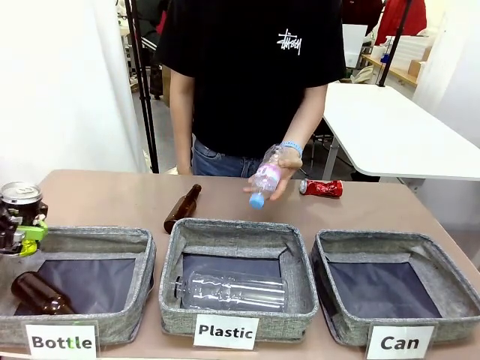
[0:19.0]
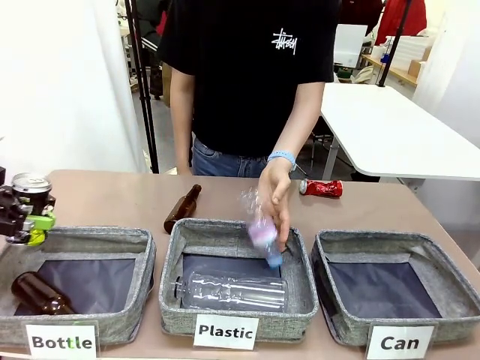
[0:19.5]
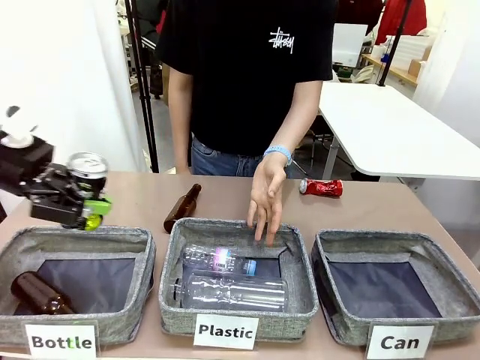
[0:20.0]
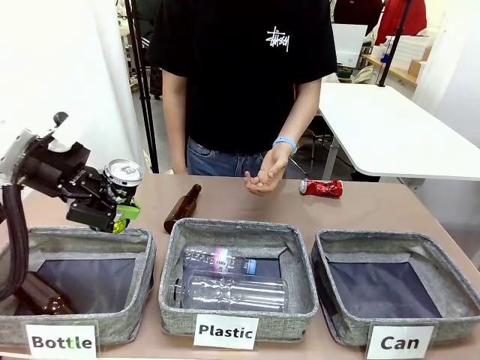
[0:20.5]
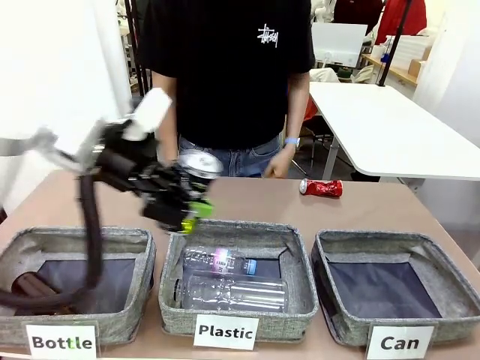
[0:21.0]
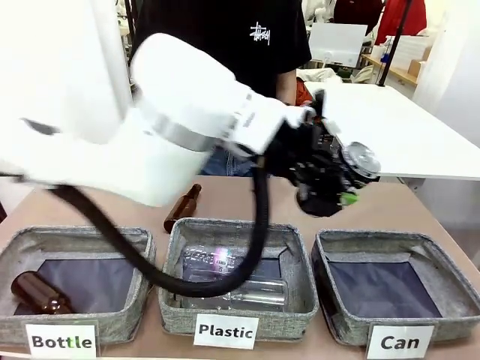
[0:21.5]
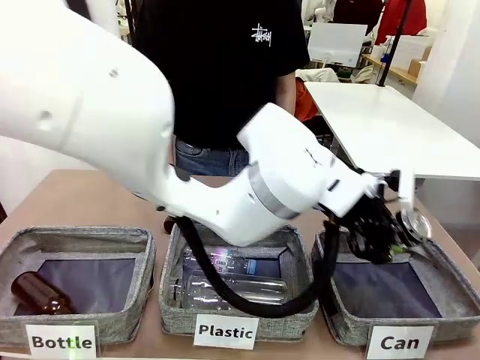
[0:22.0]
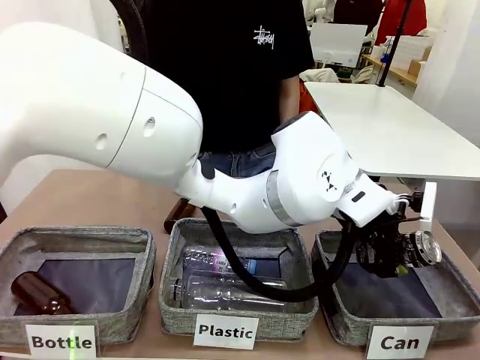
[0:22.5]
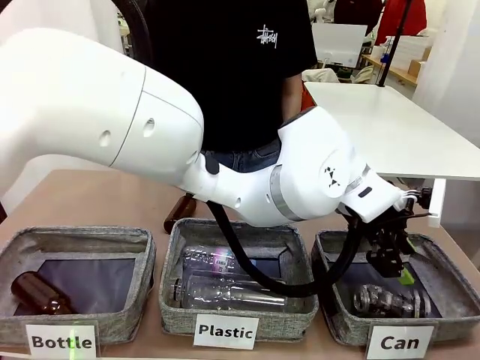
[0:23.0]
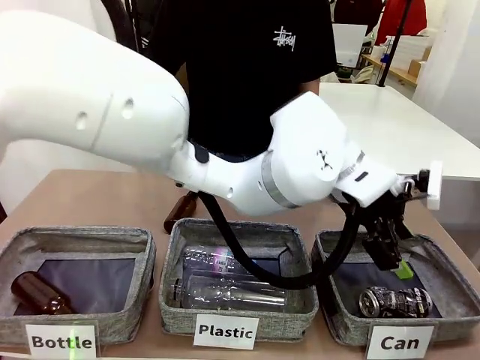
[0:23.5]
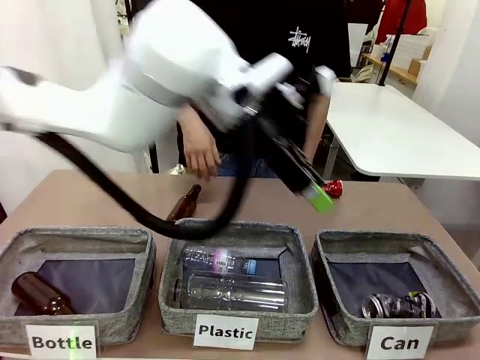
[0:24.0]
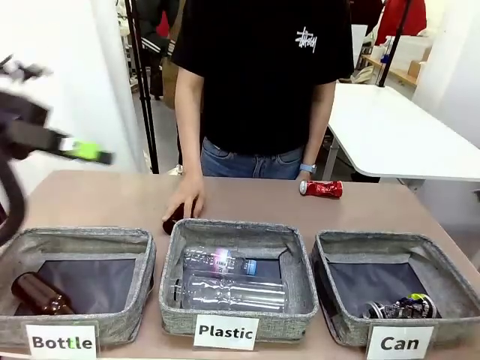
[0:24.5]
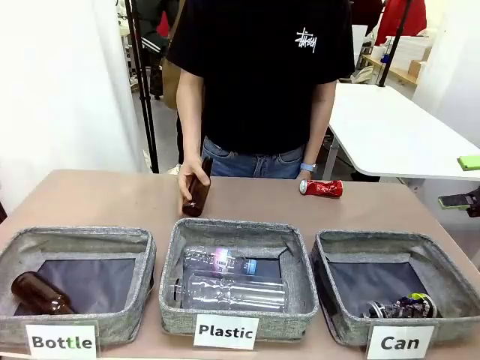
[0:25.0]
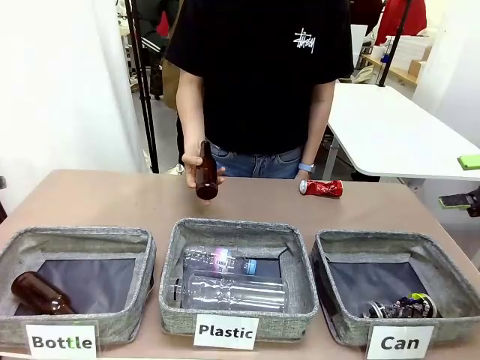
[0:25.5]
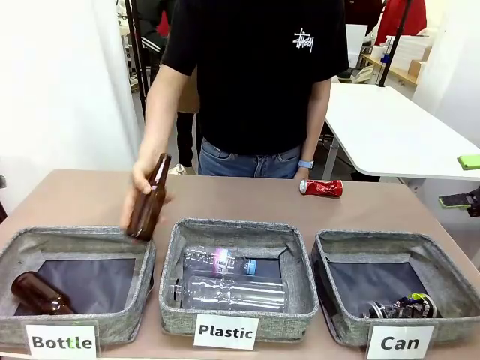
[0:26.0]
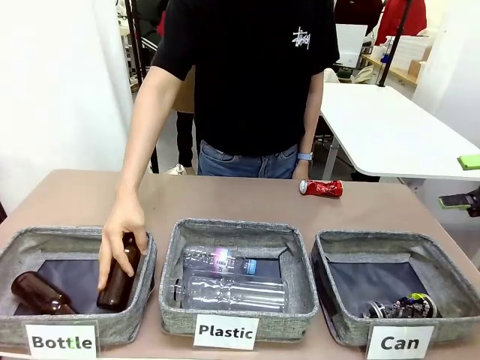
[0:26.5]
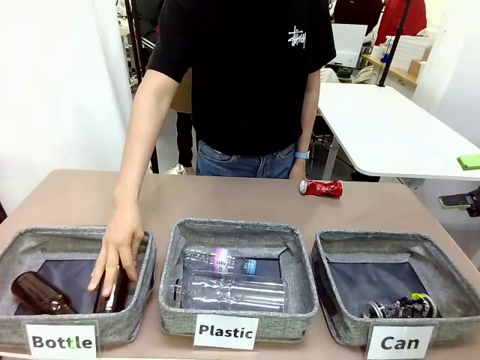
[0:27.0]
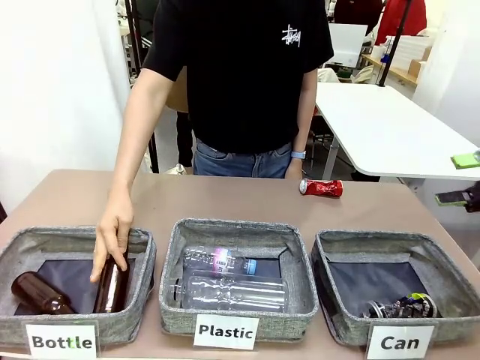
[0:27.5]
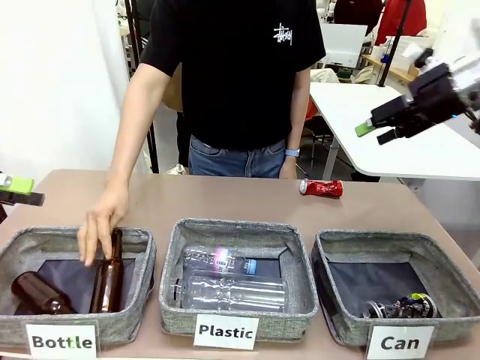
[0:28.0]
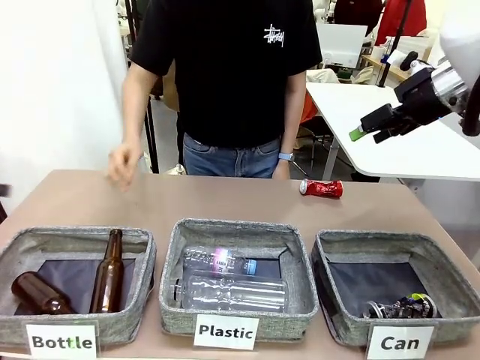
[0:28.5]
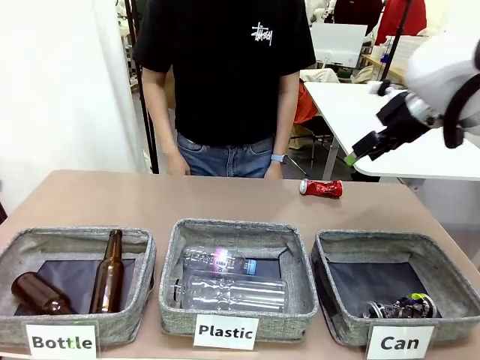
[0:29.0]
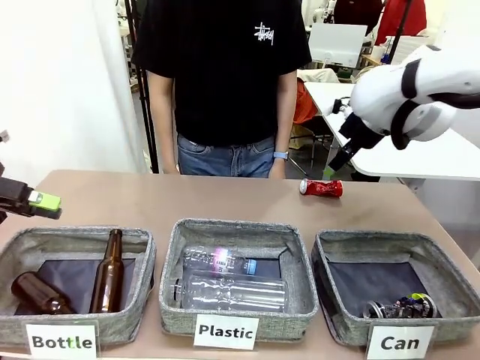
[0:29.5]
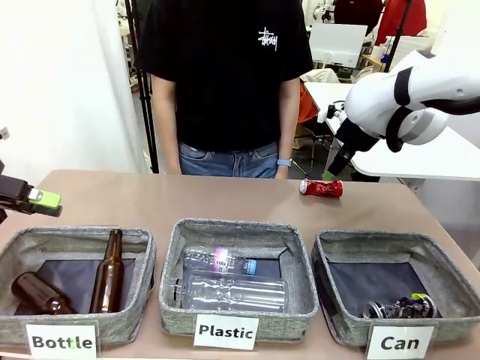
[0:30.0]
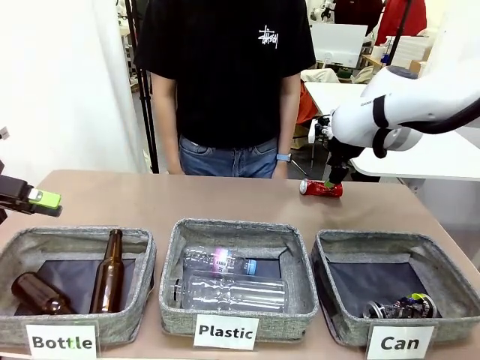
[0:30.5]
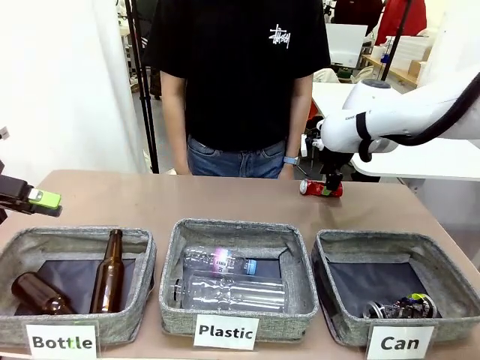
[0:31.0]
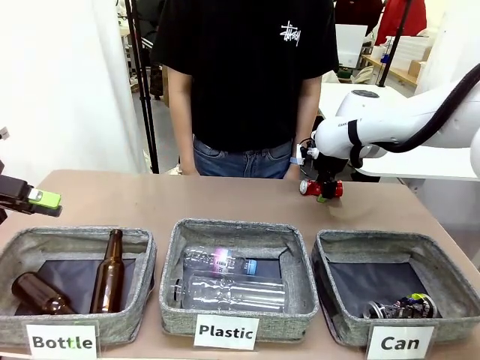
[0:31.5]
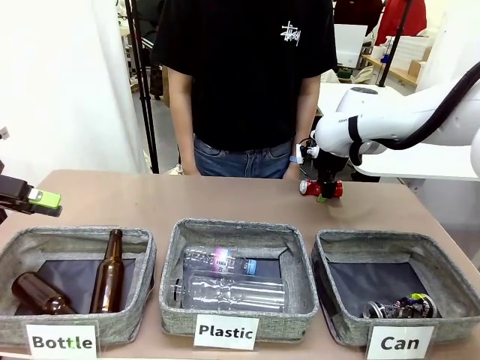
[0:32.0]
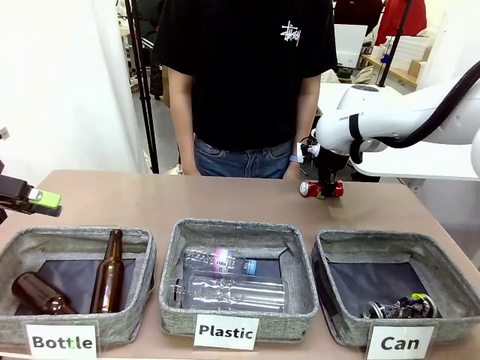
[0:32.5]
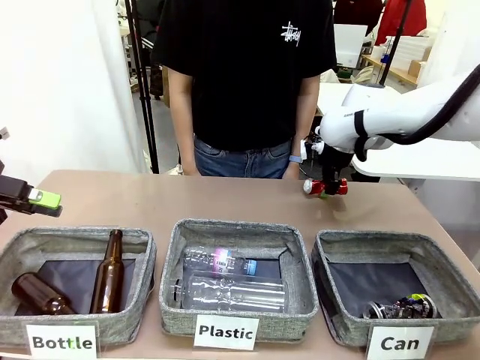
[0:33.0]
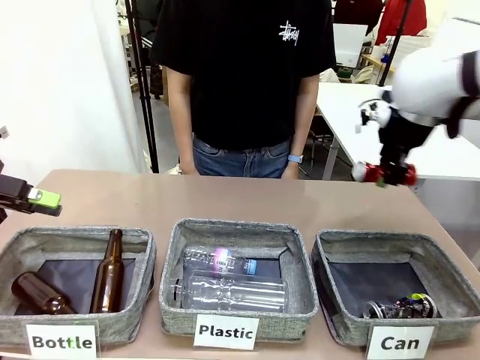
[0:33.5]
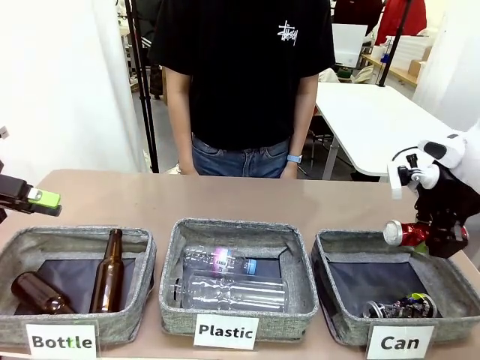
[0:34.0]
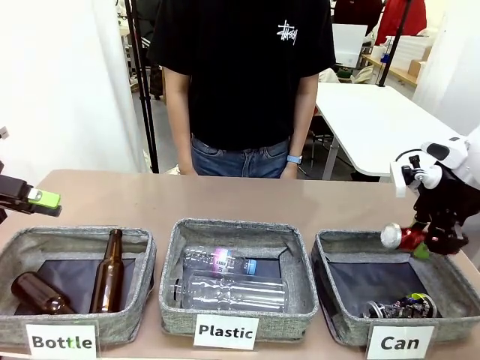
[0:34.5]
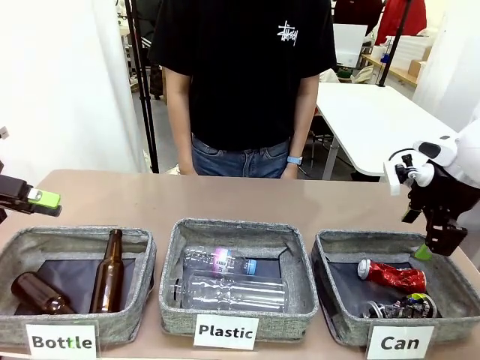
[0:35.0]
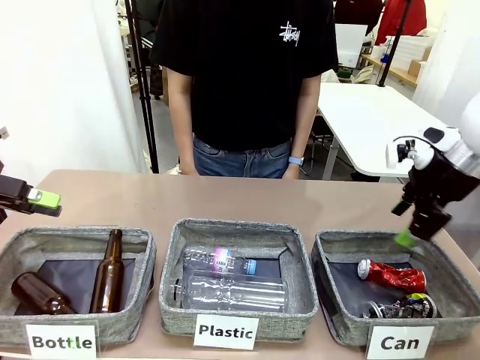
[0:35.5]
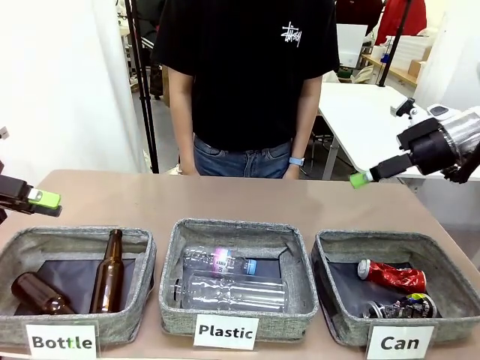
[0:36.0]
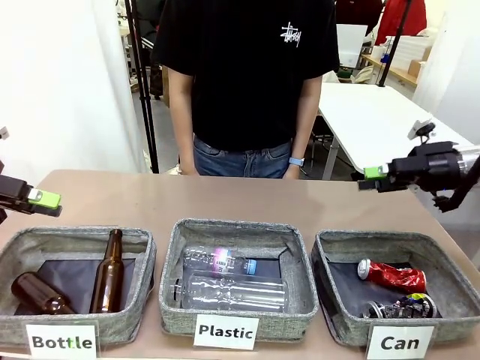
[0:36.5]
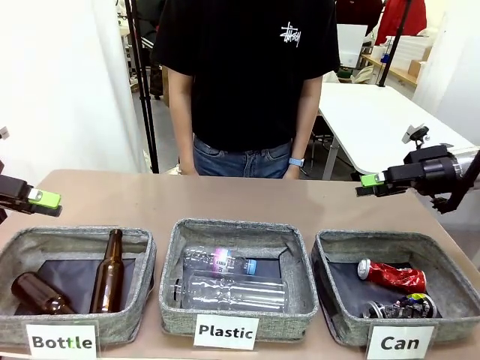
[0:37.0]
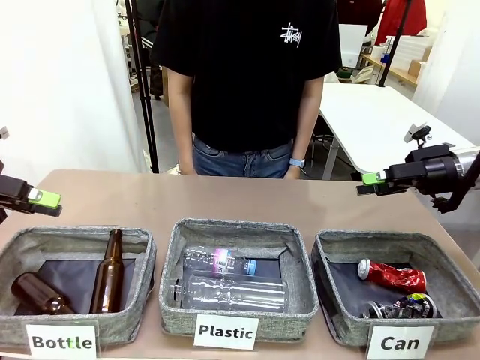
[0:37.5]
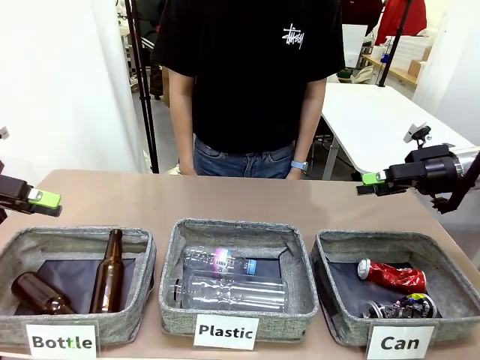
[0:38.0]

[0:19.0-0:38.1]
Task: Sort the can waste into the basket.
Robot: Pick up the can waste from the table and place it in the right Fabric basket.
Person: The human picks up one piece of trash that is not a can and places the trash into the appropriate organizing basket.

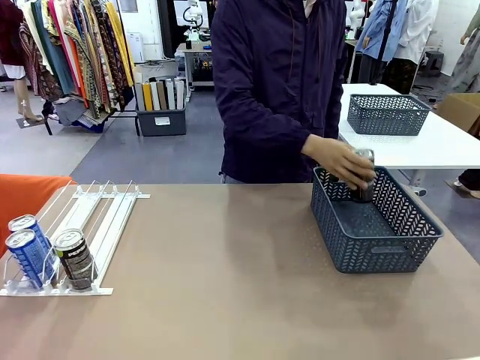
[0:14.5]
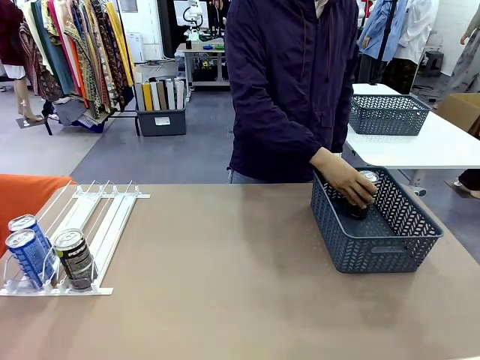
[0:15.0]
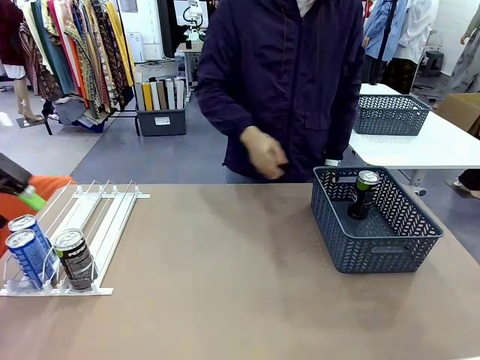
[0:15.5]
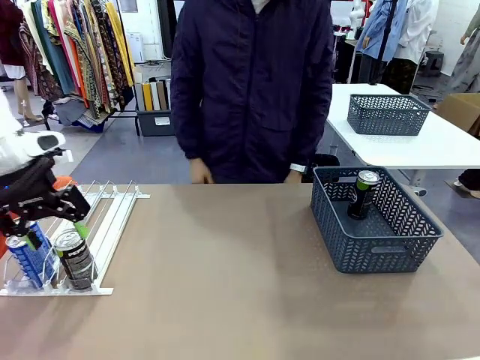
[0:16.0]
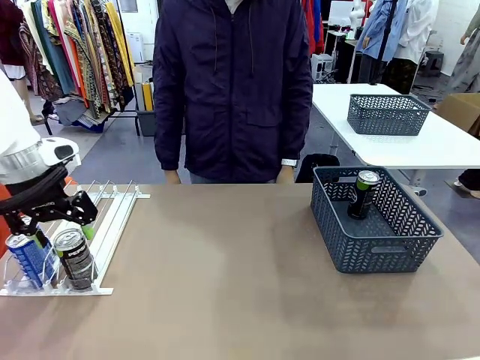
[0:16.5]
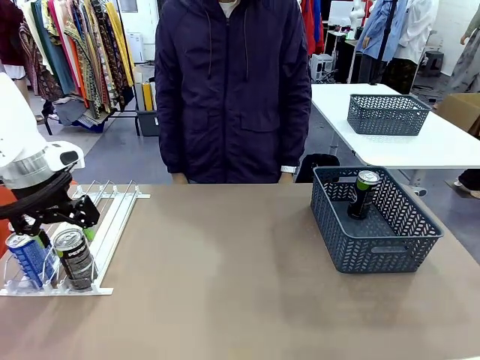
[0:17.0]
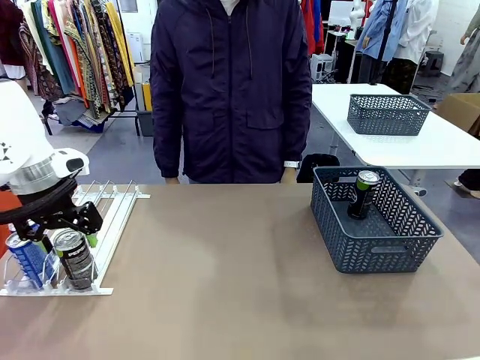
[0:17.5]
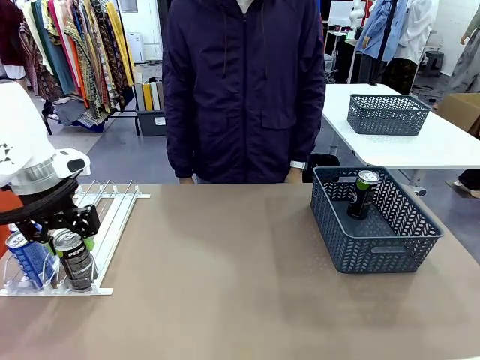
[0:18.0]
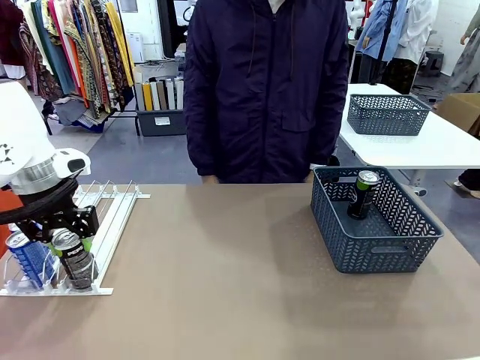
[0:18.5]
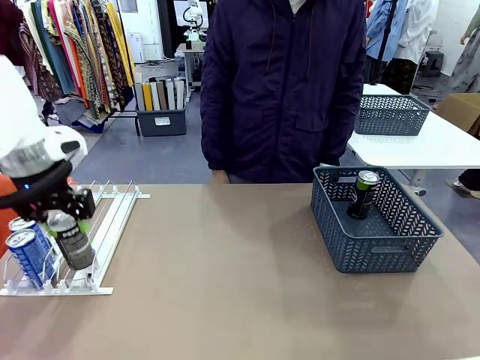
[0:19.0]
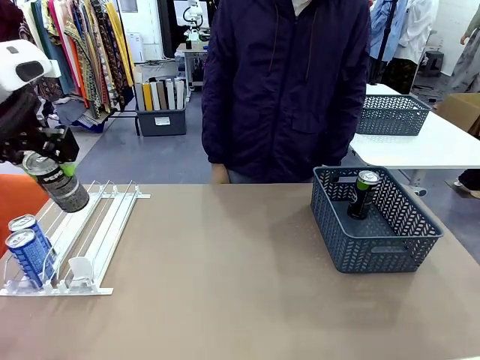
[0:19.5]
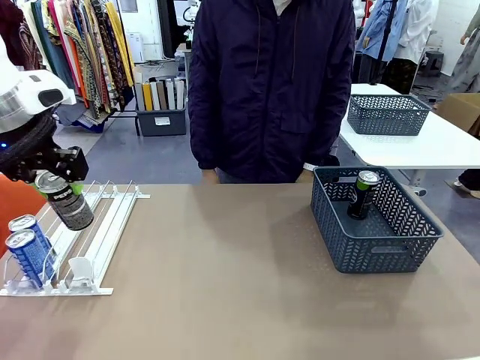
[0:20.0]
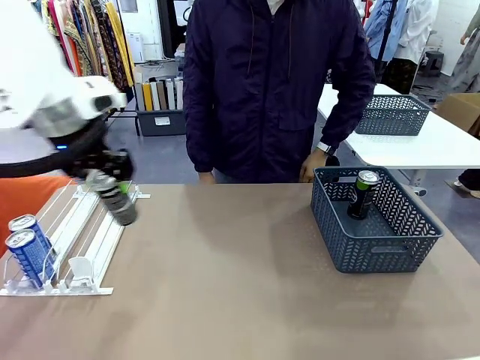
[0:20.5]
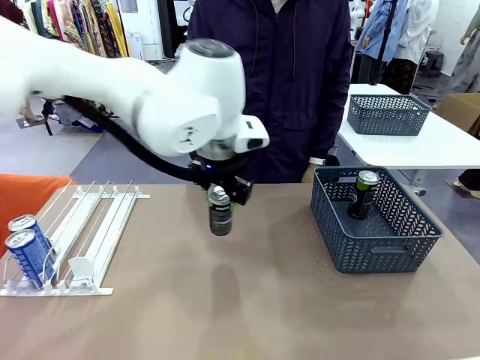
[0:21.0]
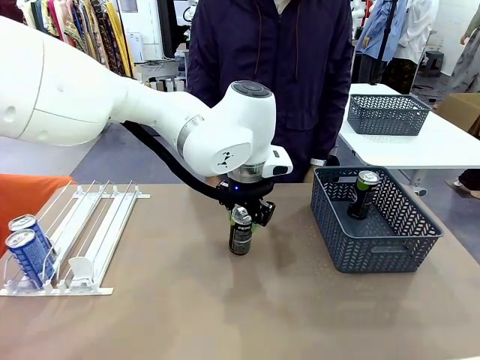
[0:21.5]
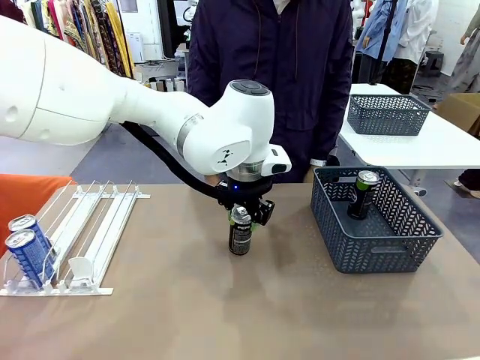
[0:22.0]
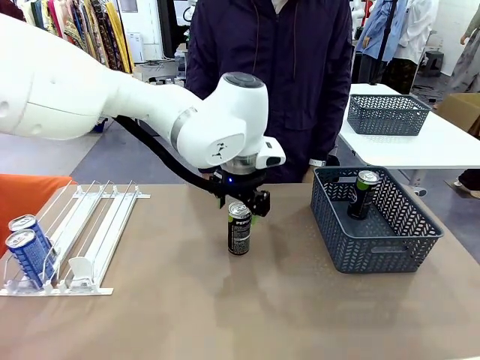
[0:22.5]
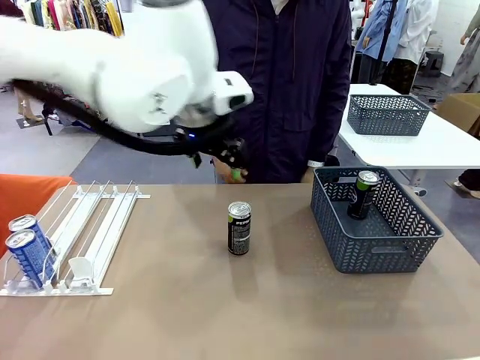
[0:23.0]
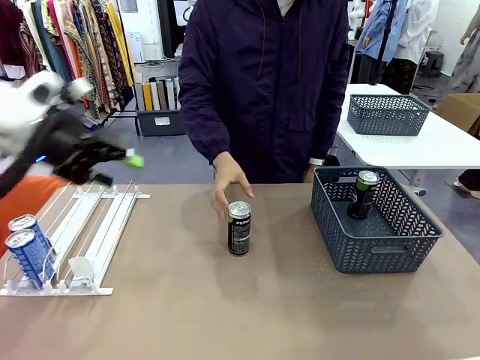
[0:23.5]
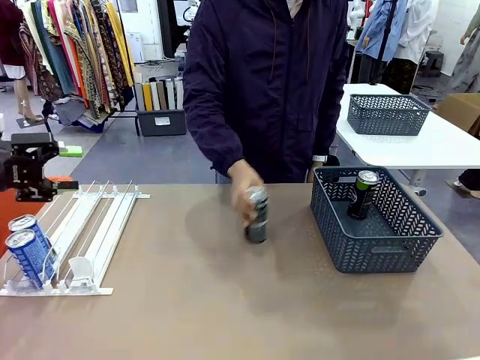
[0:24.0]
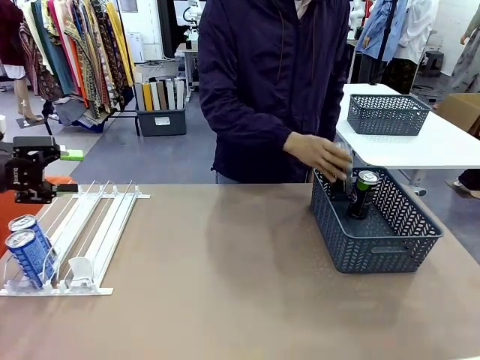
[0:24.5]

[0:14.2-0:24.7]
Task: Retrieve and store the cans from the dispenser.
Robot: Pick up the last remaining can from one row of the Automatic Can Dispenser and place it in the middle of the table.
Person: Pick up one Pepsi can from the middle of the robot table and place it in the basket.
